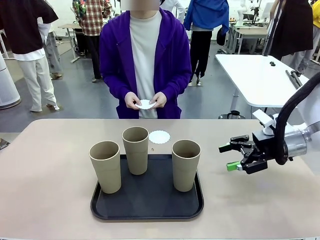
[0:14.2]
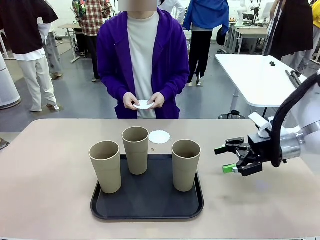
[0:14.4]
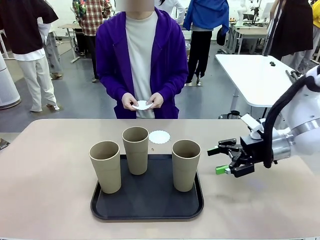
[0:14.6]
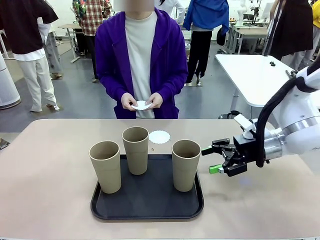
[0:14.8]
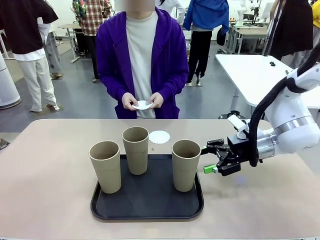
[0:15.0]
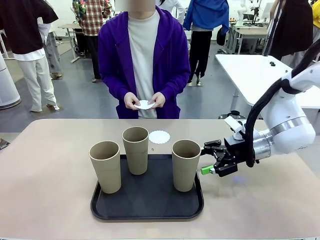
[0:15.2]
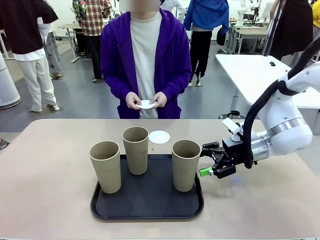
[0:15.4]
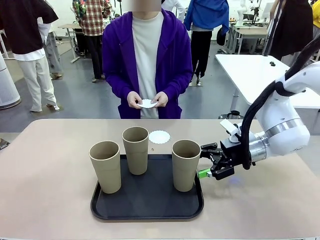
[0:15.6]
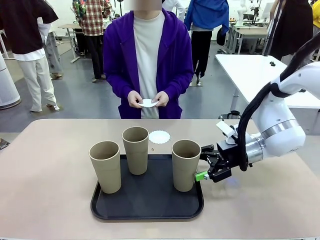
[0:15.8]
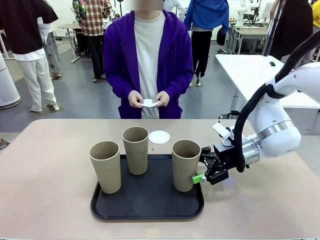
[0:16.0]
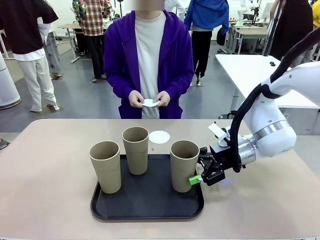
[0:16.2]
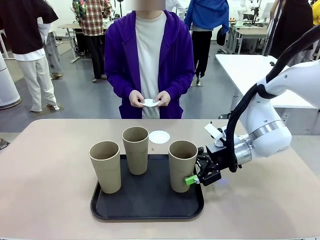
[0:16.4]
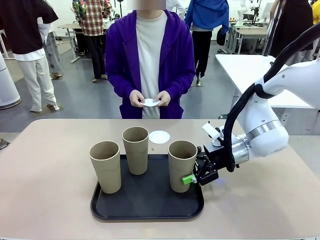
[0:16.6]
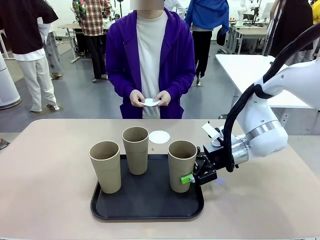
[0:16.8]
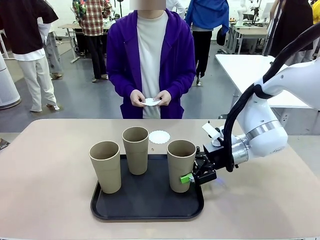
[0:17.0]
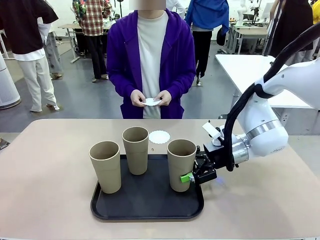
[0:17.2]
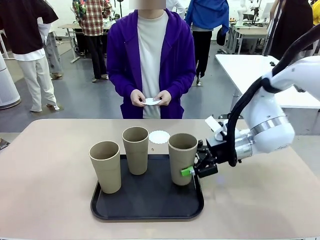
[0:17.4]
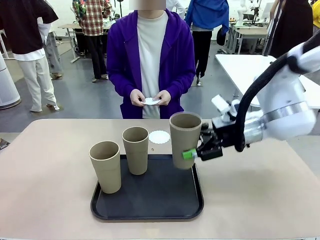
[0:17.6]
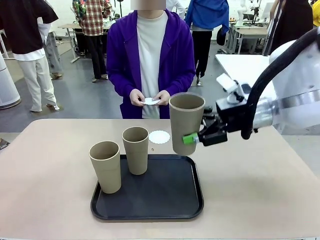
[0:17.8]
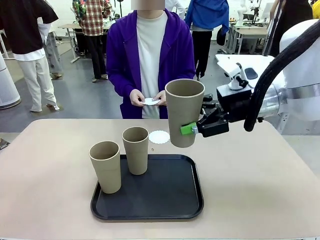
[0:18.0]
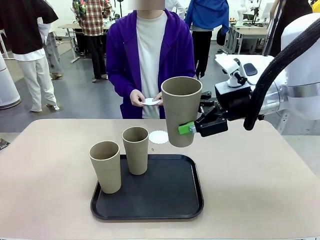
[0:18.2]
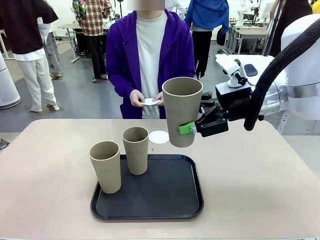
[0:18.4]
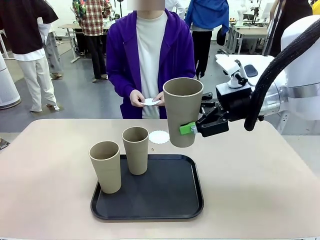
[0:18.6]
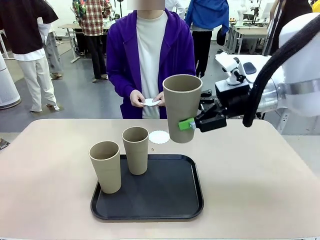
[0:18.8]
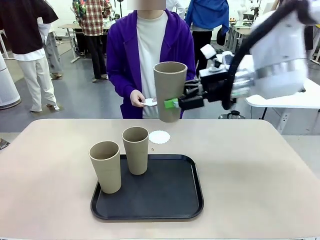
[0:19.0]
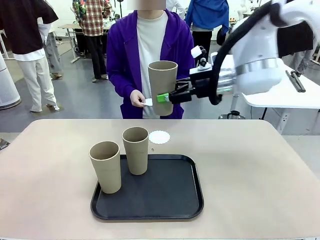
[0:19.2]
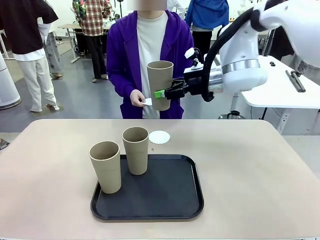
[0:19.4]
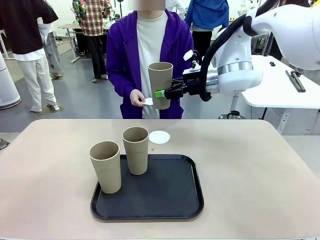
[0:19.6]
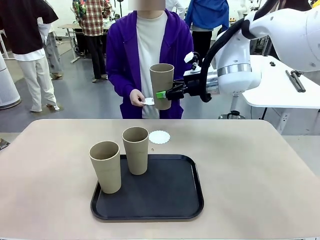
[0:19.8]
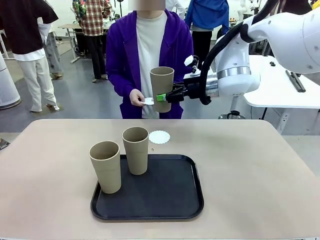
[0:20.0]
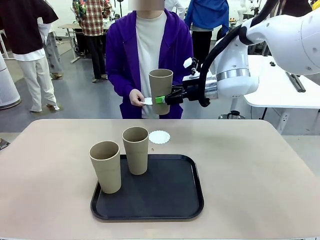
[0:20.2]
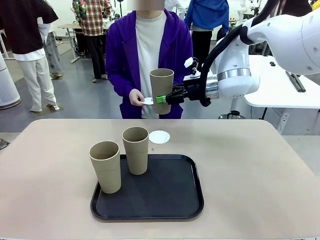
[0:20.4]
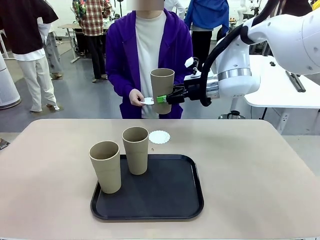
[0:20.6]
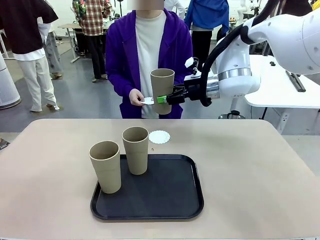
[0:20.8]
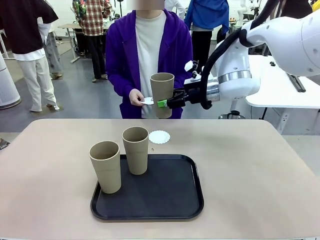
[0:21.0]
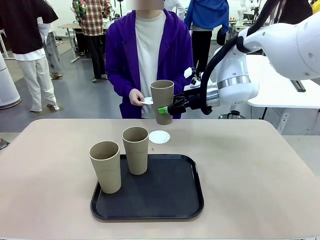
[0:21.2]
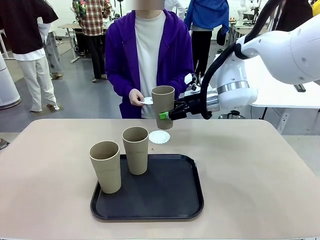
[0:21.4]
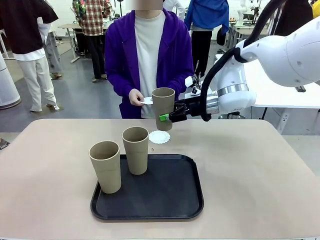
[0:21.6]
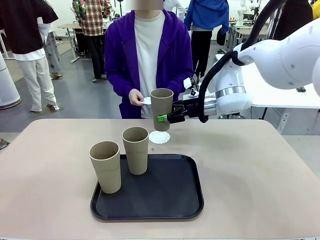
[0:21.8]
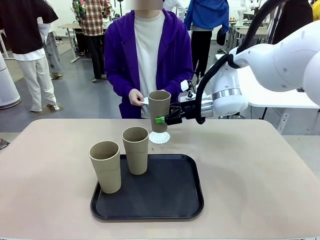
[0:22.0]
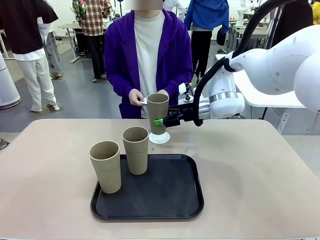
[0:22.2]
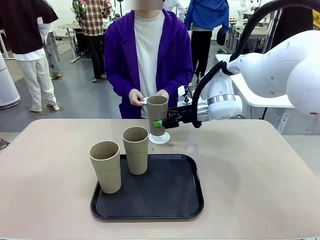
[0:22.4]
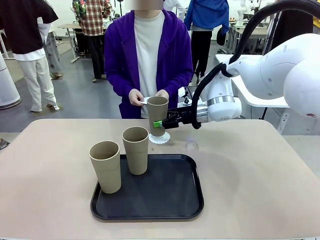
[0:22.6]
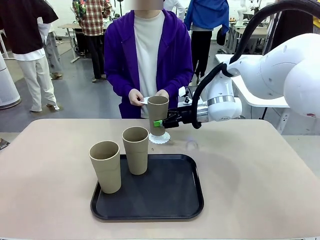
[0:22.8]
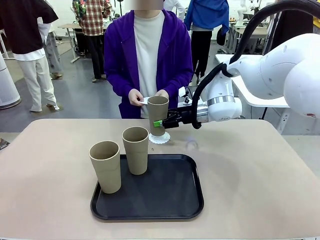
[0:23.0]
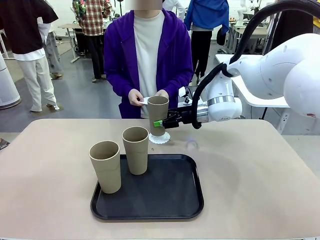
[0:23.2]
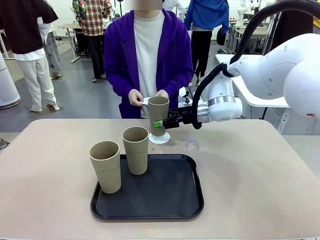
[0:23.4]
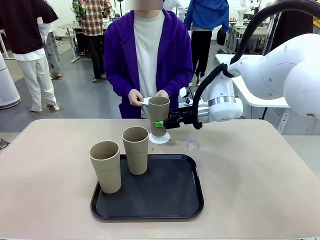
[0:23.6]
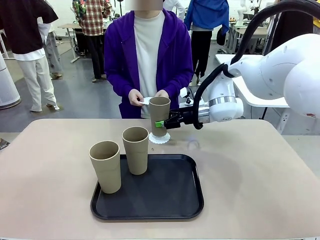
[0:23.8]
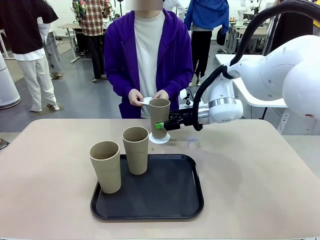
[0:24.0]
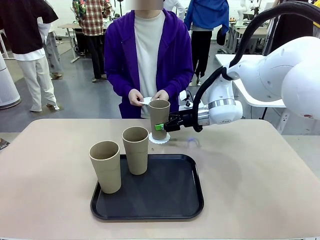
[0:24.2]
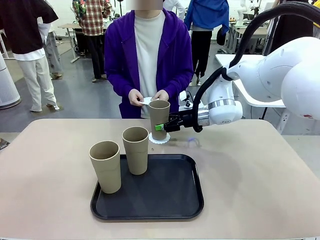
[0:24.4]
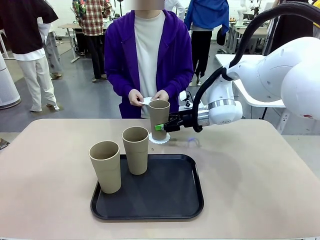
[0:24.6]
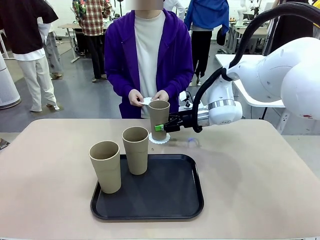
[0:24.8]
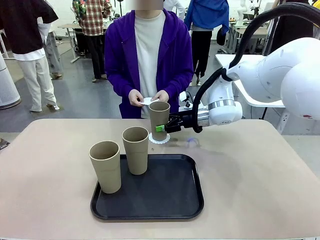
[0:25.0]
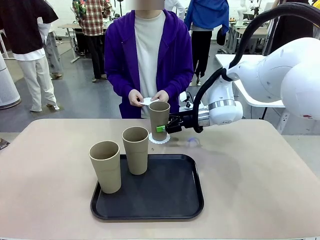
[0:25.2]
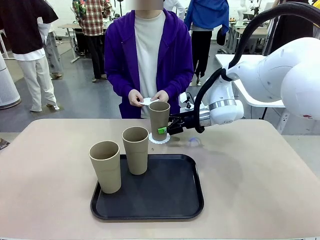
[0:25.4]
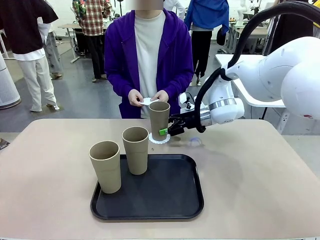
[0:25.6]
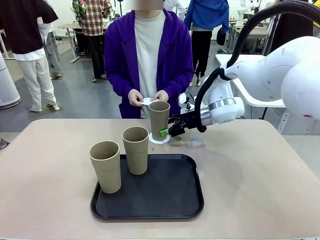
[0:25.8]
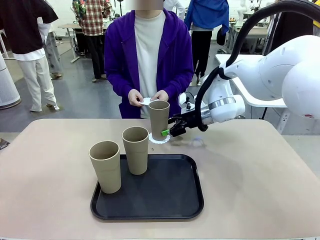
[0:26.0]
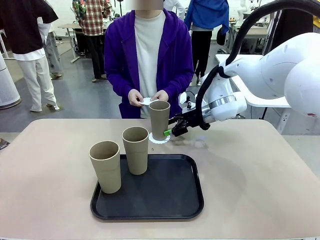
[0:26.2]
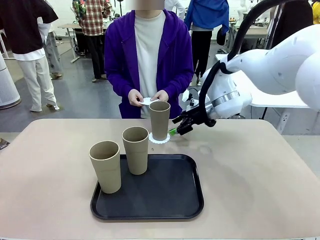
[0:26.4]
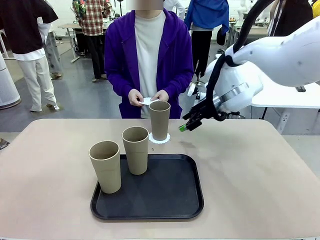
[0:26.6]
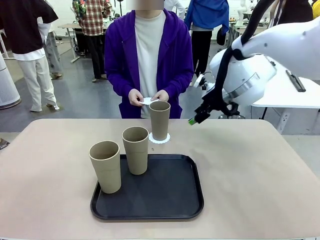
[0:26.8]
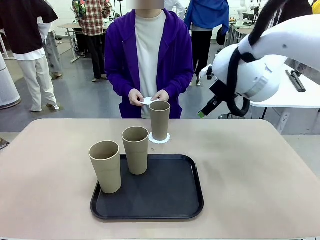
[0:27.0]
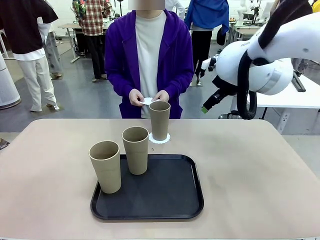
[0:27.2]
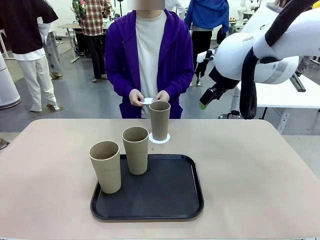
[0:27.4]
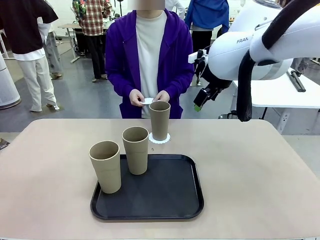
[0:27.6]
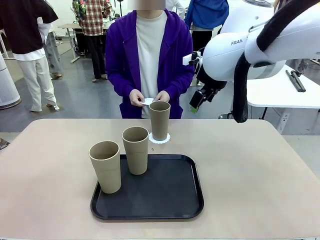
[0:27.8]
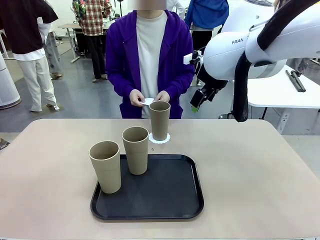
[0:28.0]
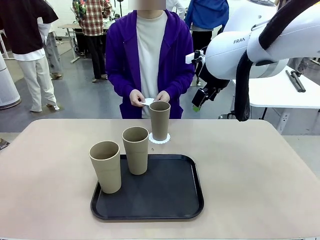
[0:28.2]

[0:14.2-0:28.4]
Task: Place coasters on the table and set cups on them.
Robot: Pick up one Reusable plastic cup and place it on a coaster set by the human.
Person: Place one coaster in one of the two areas excluding the previously selected area.
